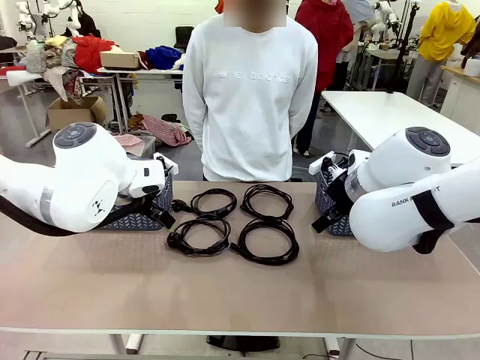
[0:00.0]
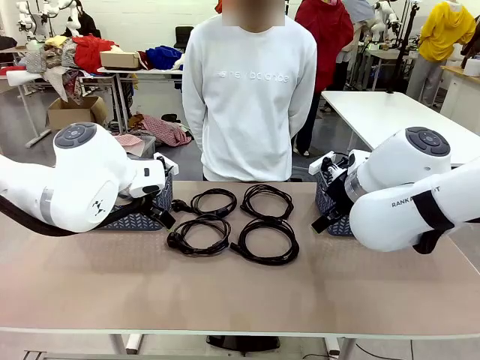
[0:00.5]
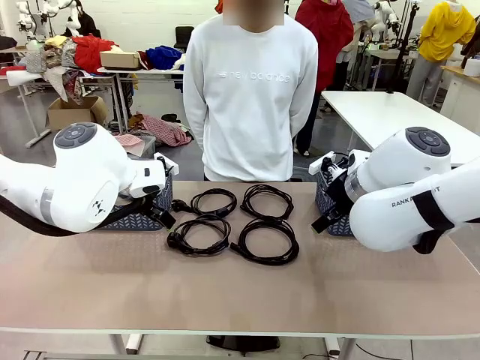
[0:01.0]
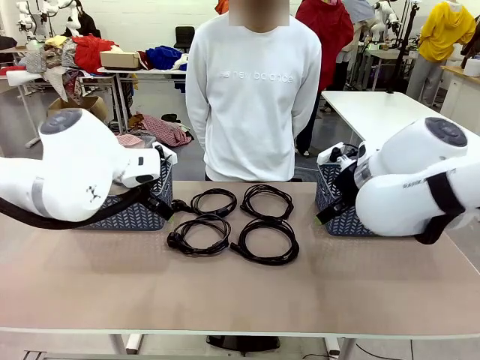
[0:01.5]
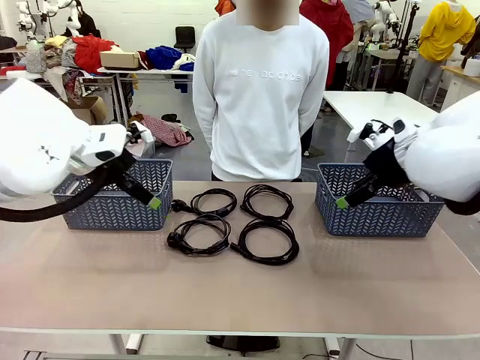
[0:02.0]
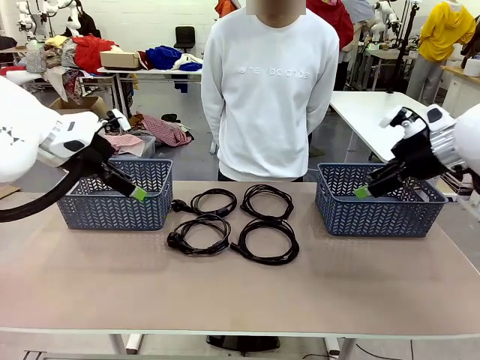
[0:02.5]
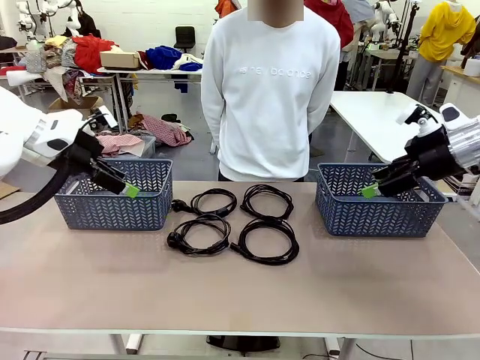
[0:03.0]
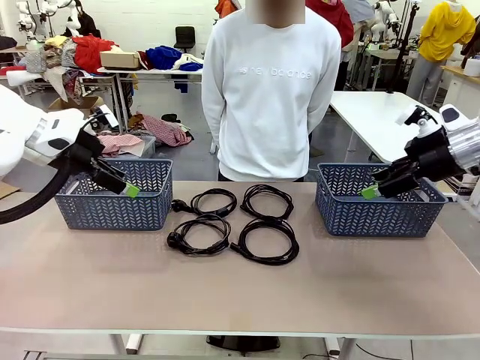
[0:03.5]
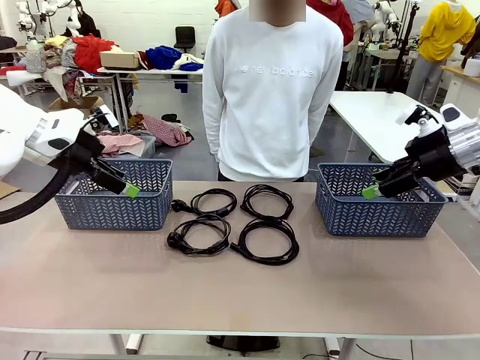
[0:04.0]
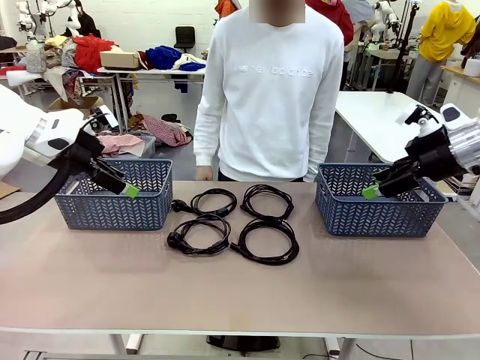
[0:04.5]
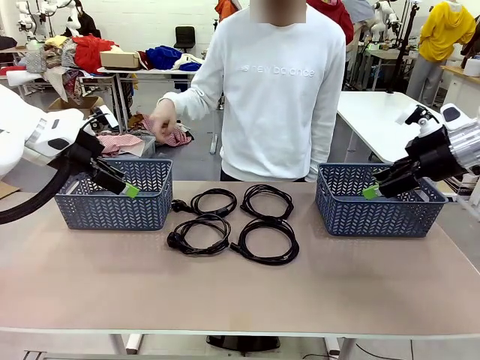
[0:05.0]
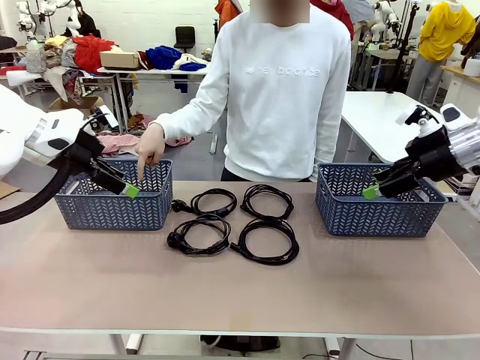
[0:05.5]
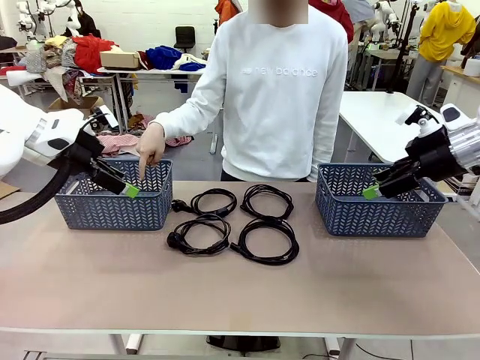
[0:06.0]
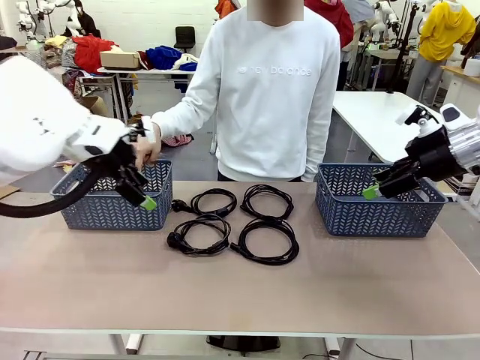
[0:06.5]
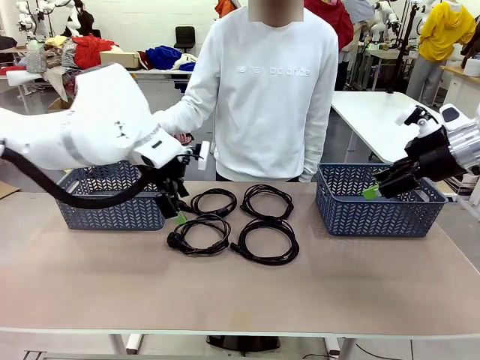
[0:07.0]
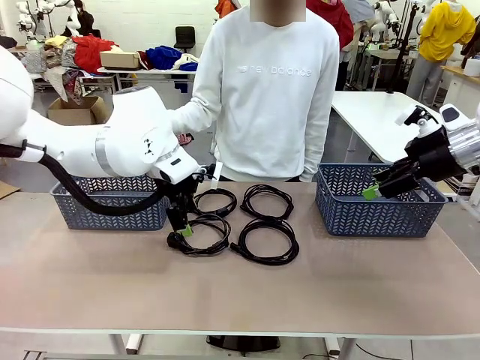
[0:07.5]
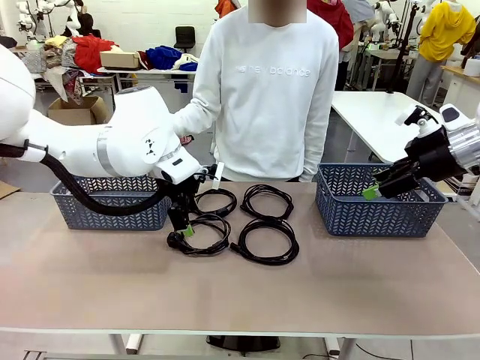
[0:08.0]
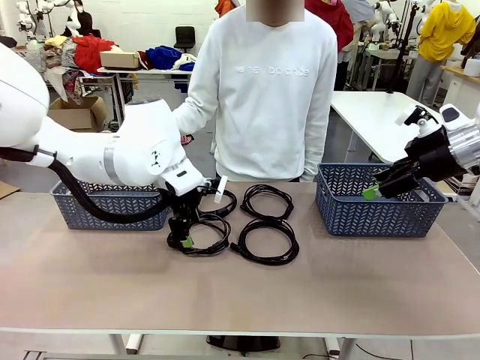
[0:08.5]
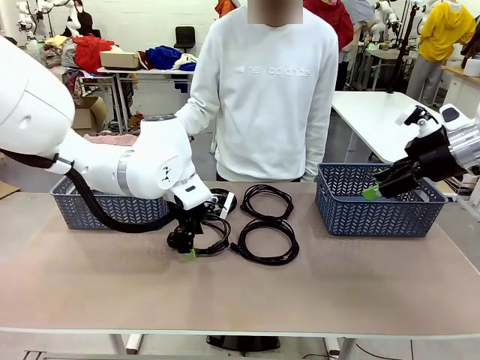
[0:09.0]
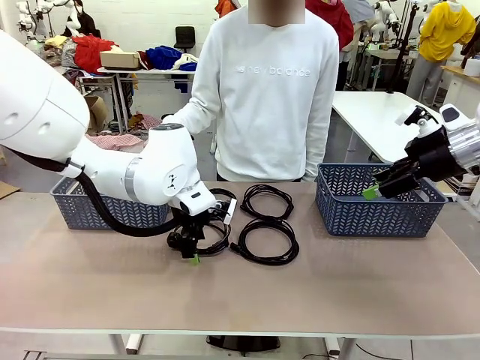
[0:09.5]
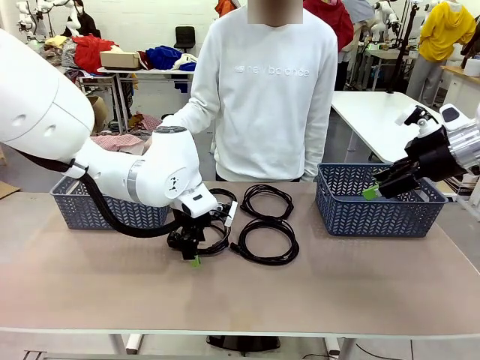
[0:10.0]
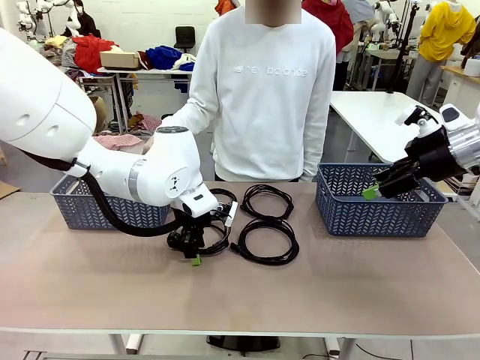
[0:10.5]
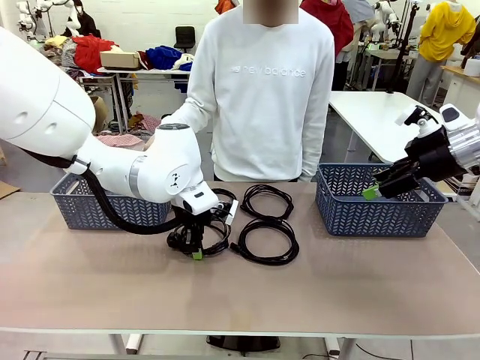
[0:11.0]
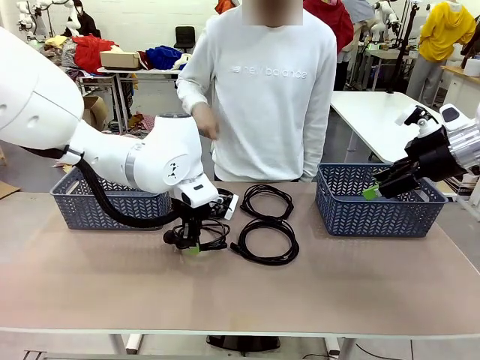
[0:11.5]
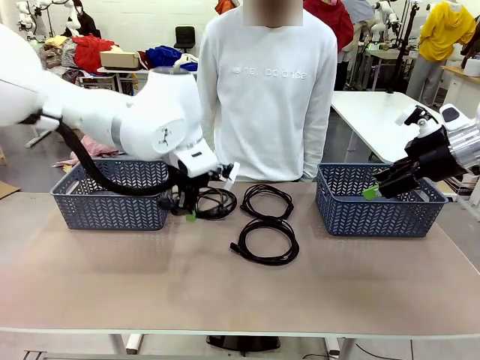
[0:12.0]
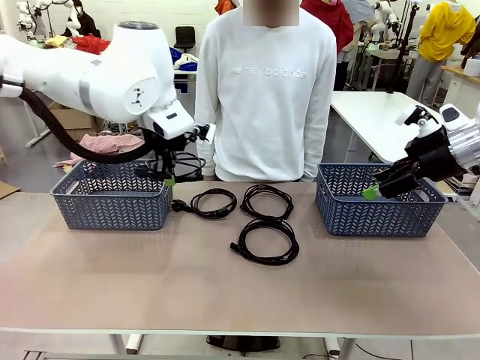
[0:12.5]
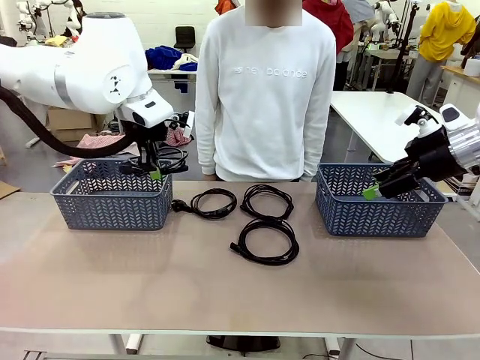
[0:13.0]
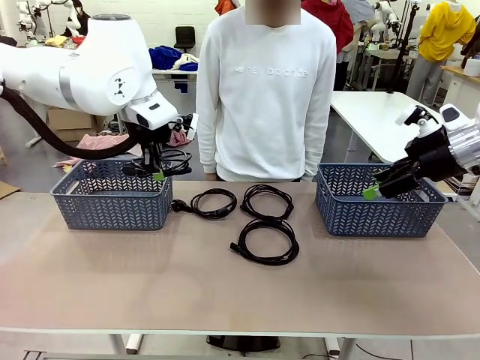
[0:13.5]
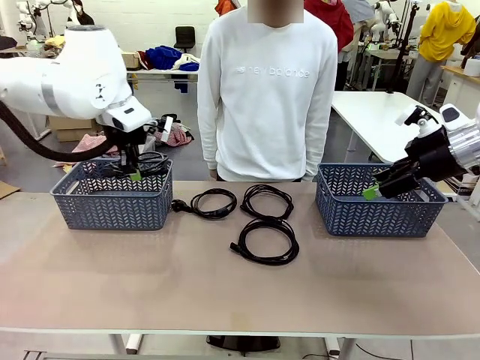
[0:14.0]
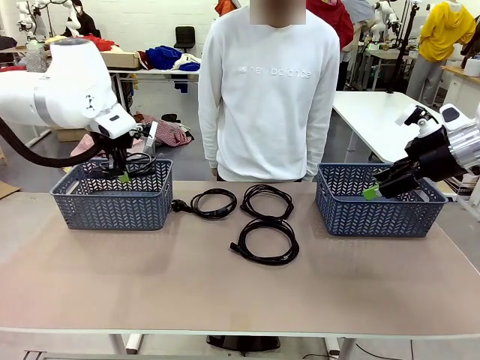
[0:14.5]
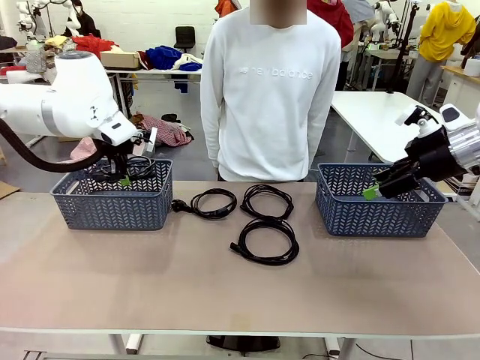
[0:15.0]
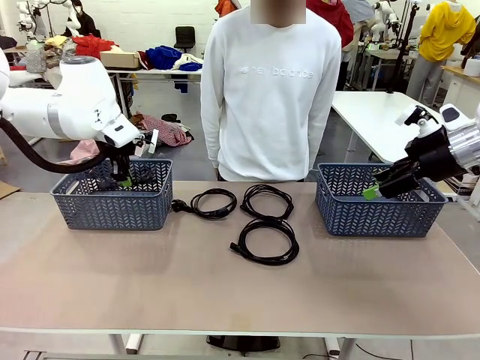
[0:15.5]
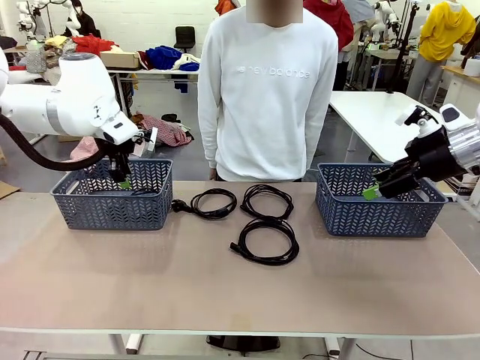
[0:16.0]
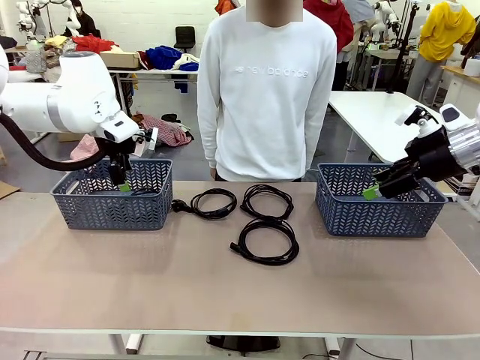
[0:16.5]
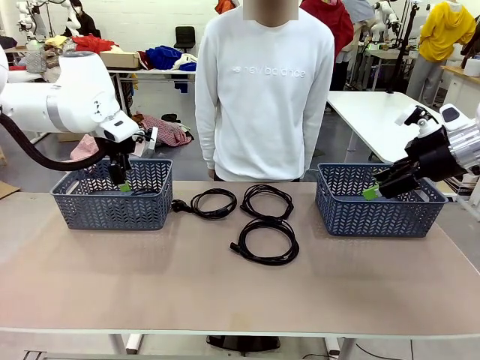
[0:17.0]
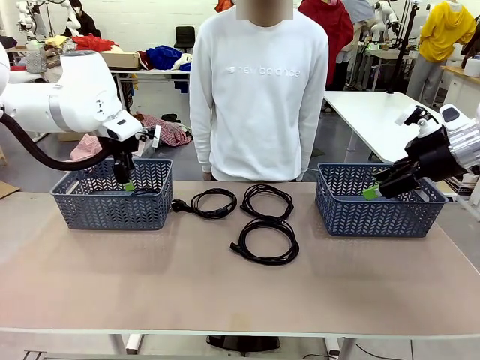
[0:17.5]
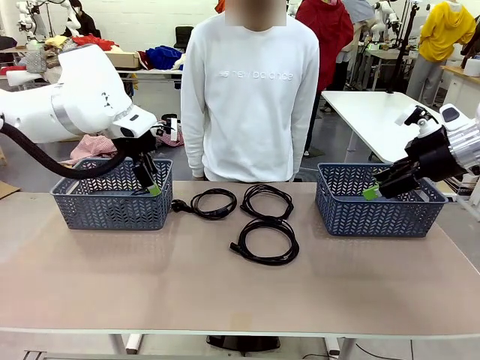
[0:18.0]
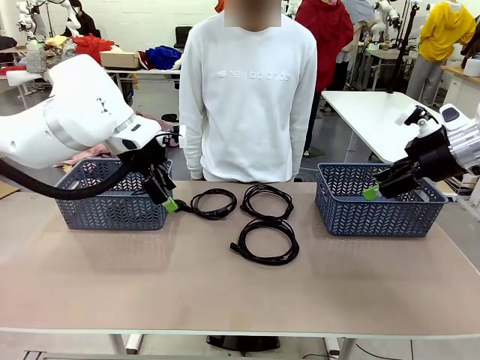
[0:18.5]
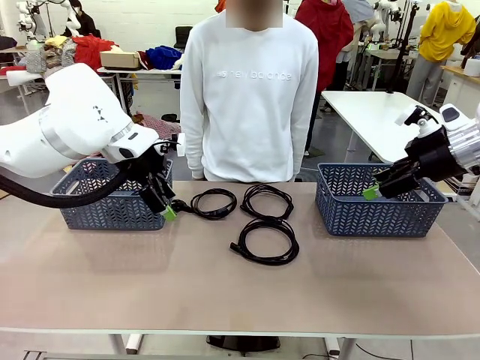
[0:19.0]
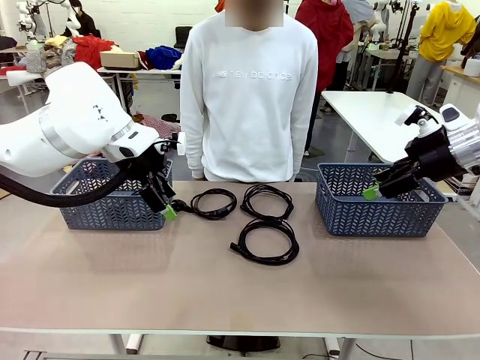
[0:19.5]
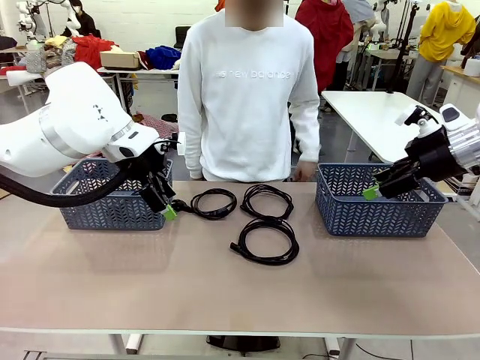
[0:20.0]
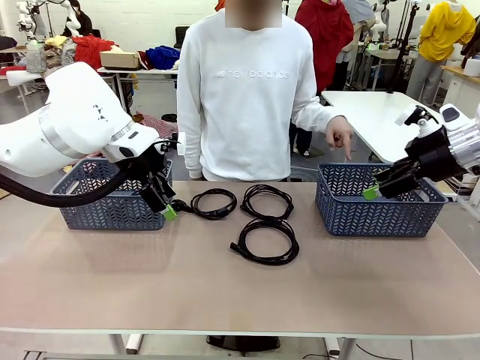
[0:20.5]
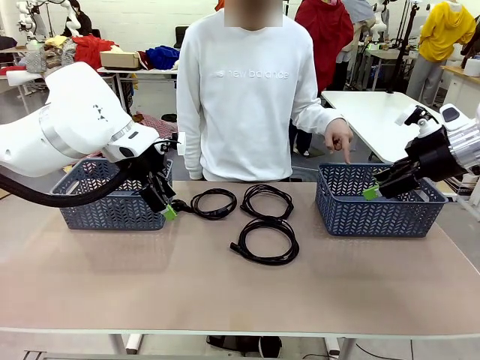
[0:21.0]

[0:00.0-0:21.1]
Task: Organize the cables according to human instructions.
Robot: Pick up a bundle of cables and place it in the basket indicated by the human.
